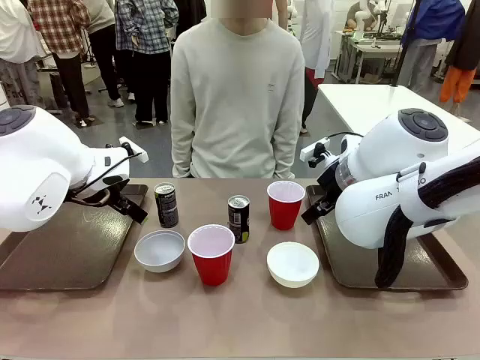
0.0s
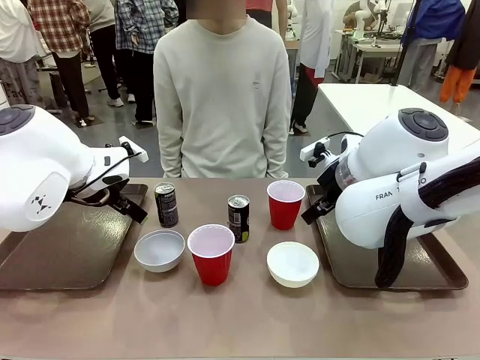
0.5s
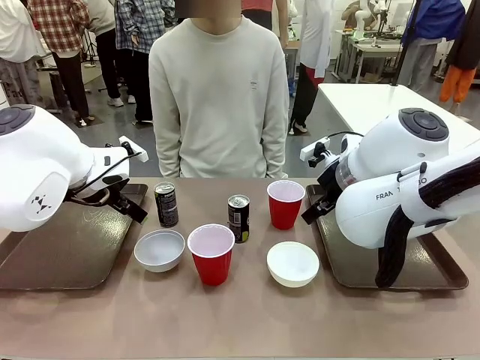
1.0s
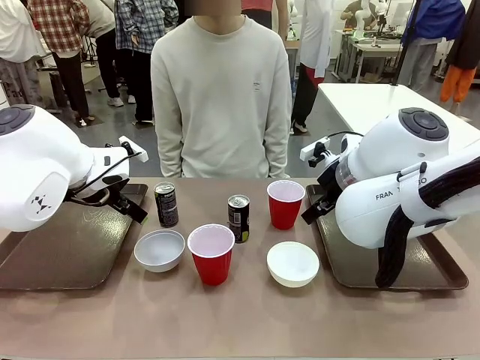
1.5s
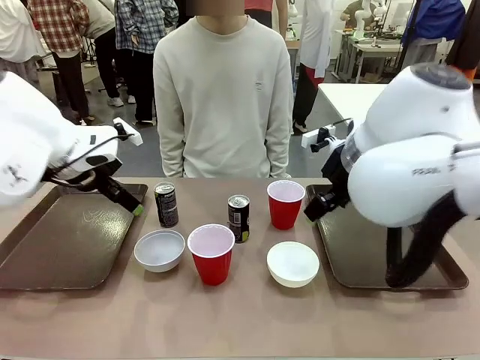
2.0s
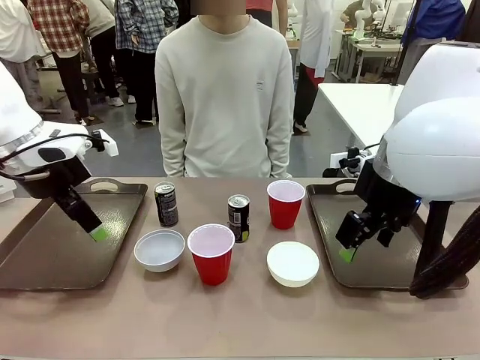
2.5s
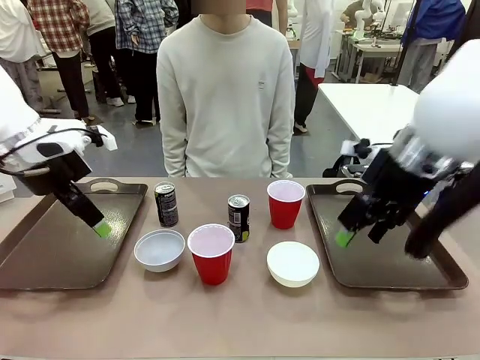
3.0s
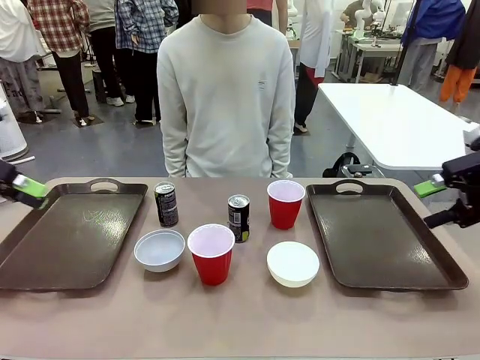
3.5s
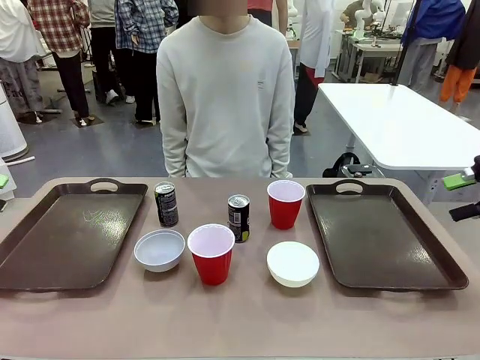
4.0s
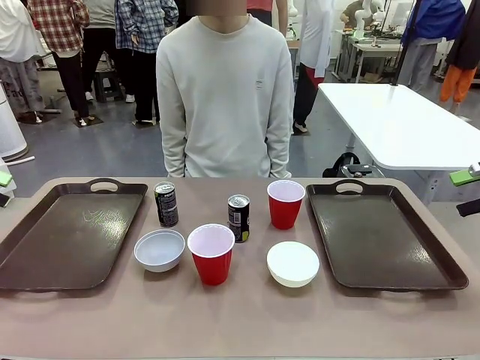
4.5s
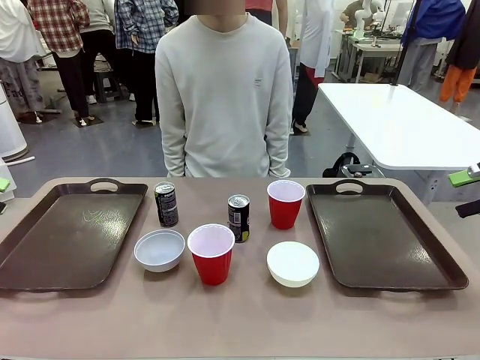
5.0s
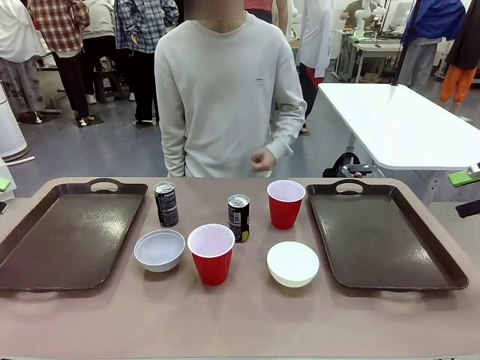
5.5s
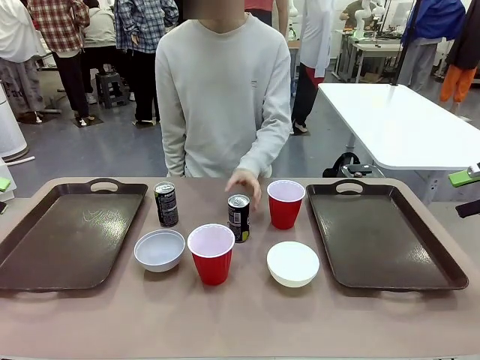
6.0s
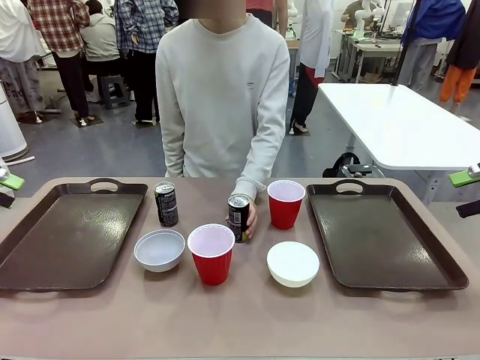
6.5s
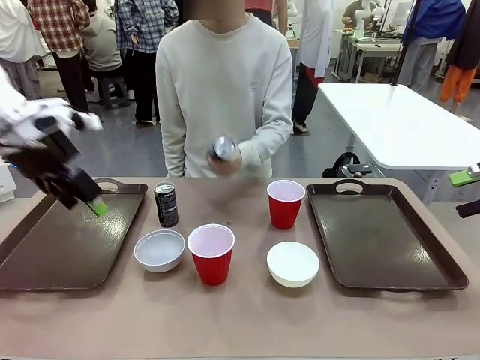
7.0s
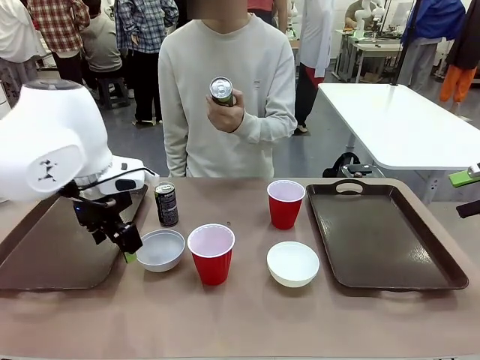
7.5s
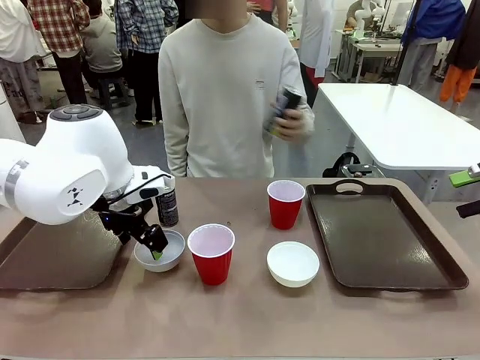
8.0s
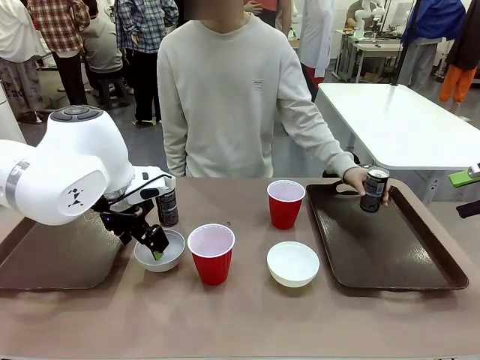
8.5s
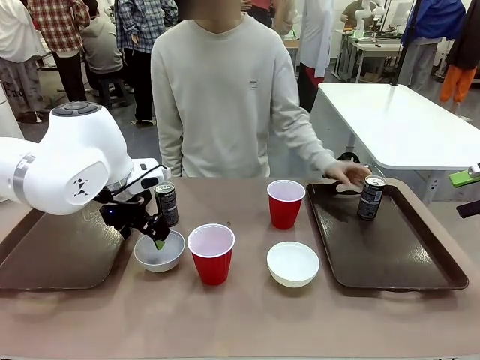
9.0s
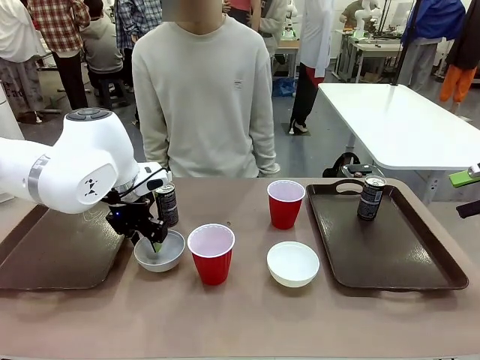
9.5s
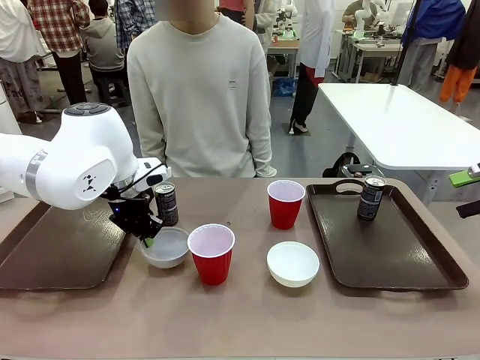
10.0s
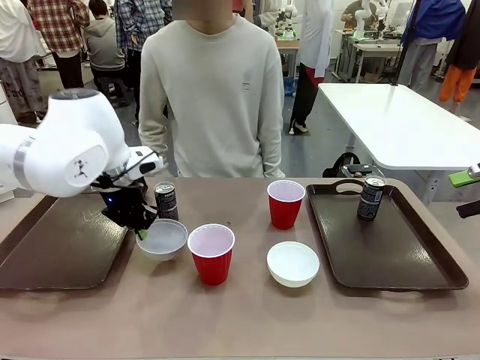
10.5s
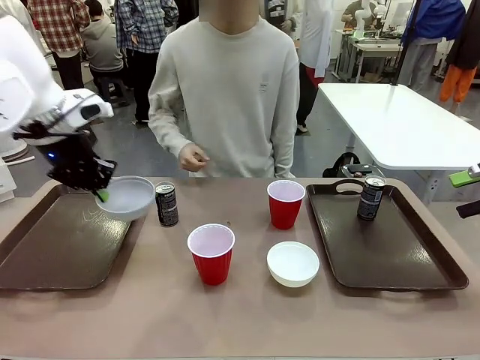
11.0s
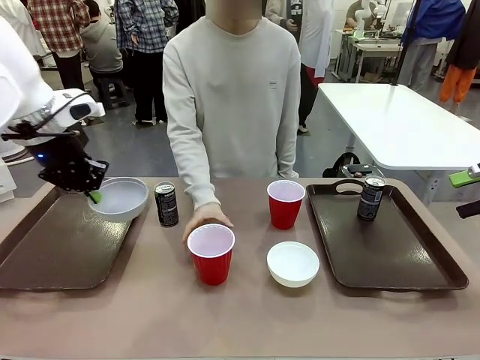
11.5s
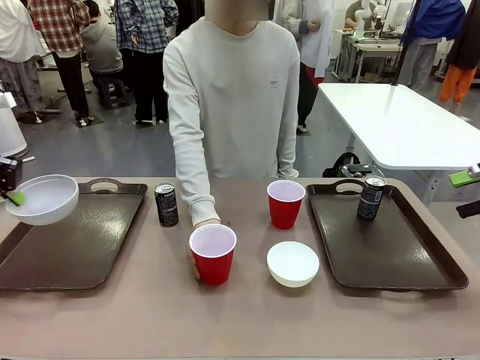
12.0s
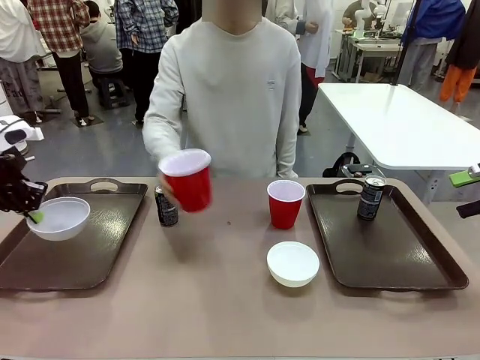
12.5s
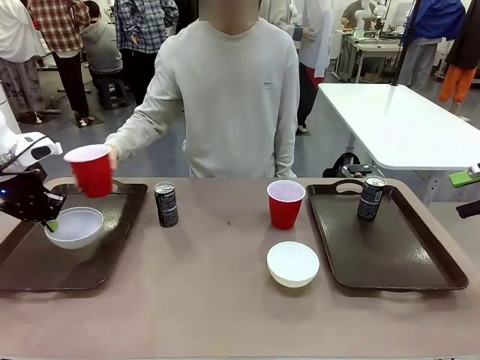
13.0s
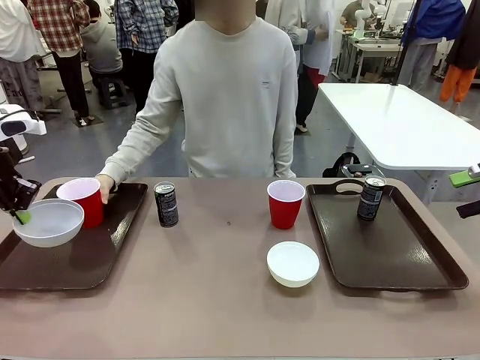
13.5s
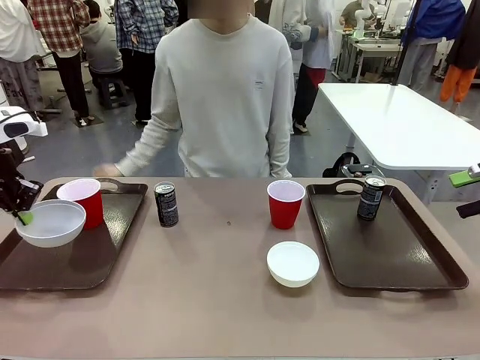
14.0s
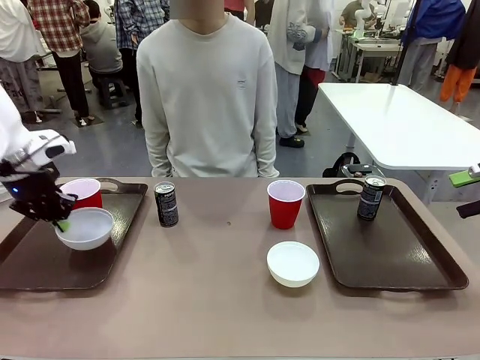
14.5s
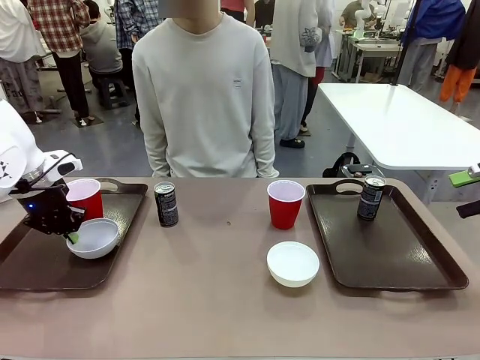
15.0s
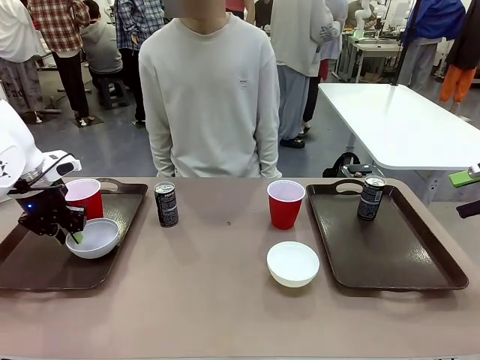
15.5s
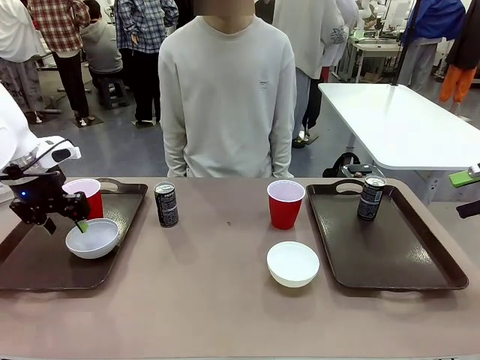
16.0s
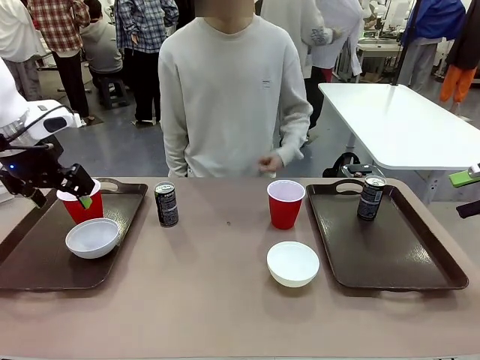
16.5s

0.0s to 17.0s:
Task: Prepare tableware on both trays.
Robot: Pick up a Picnic Bowl from the table and place it on a Handle tray.
Person: Pick up a can or cup and place it on the tray.

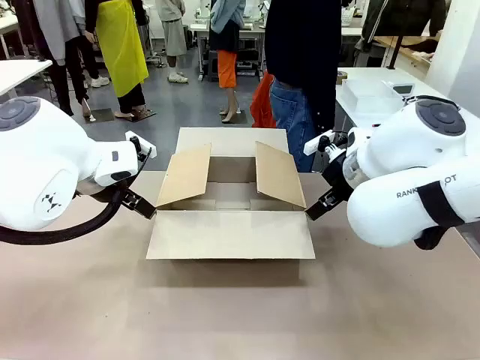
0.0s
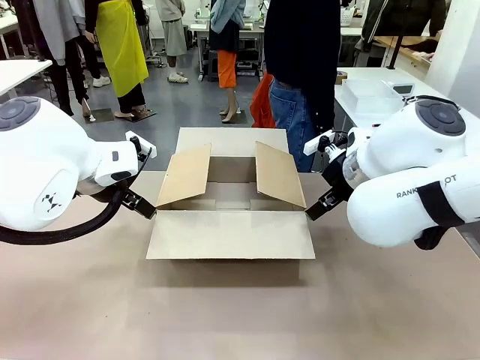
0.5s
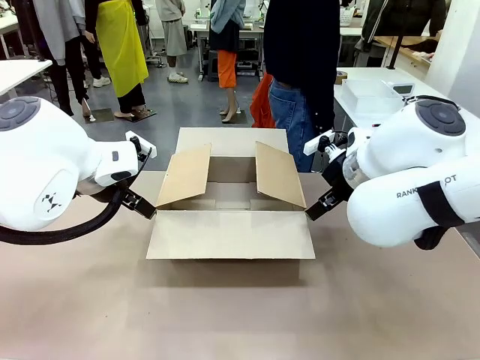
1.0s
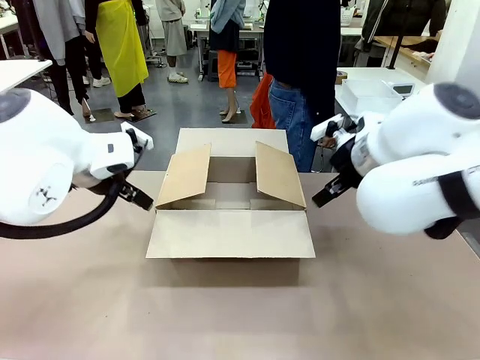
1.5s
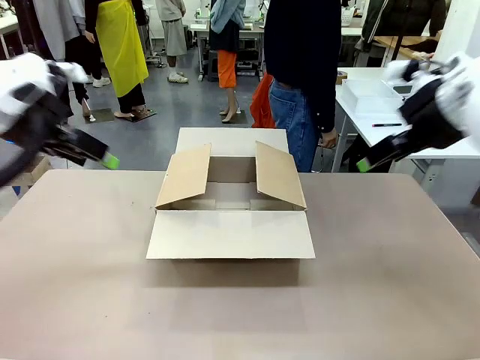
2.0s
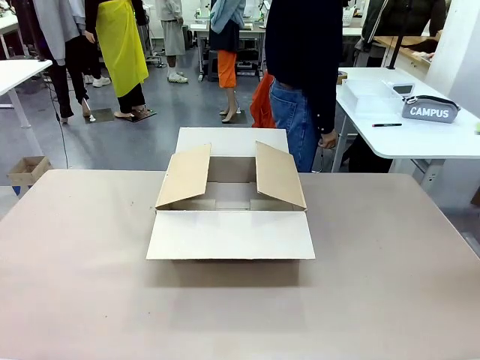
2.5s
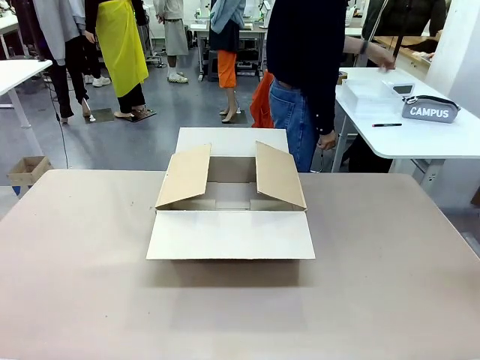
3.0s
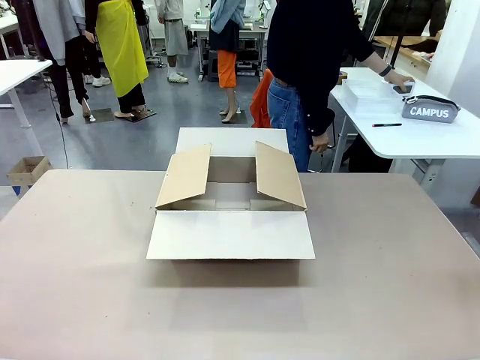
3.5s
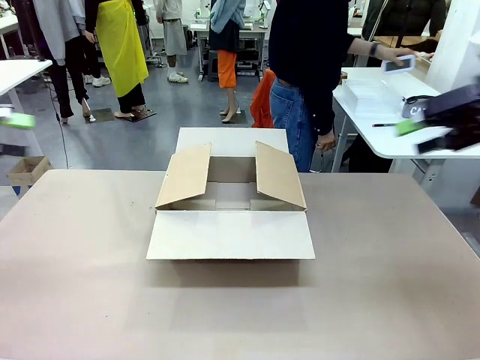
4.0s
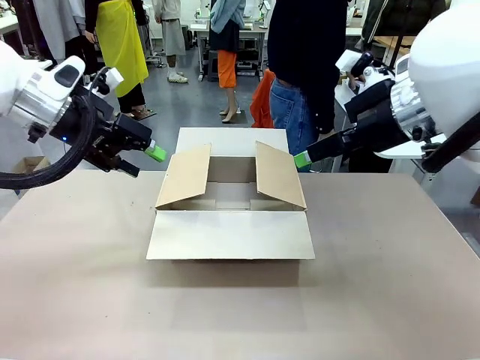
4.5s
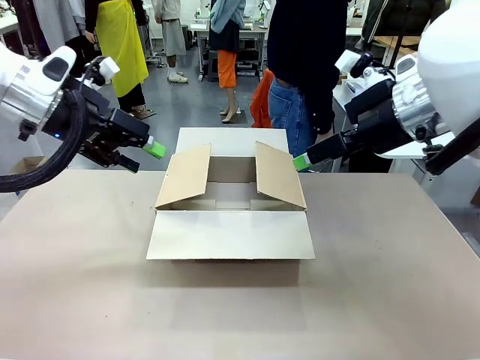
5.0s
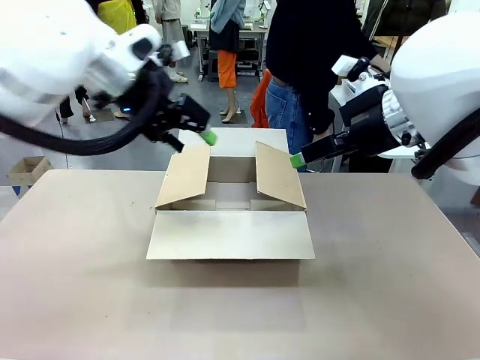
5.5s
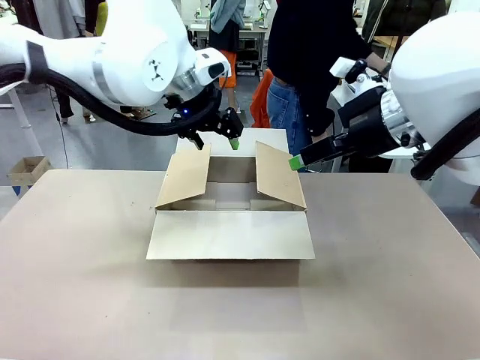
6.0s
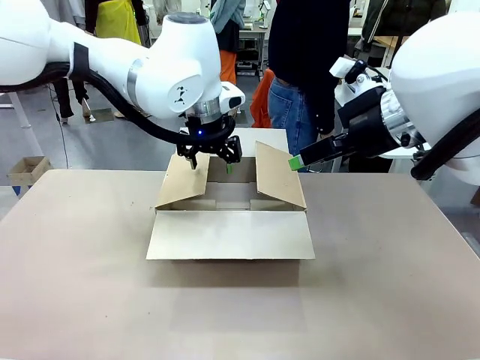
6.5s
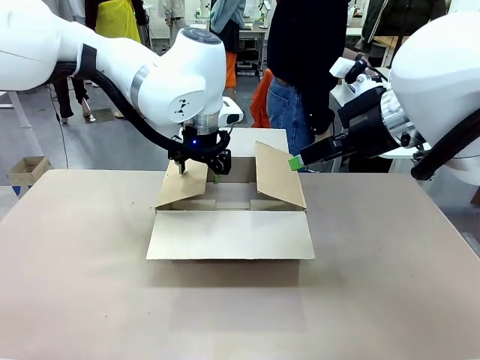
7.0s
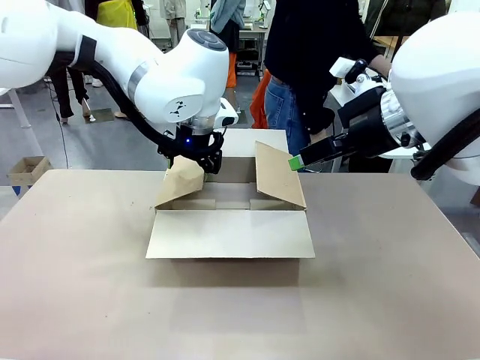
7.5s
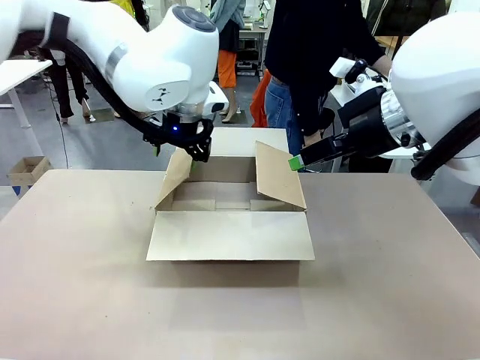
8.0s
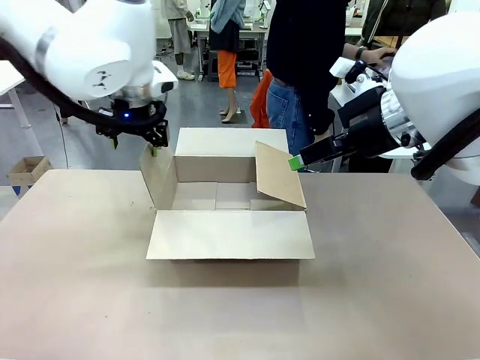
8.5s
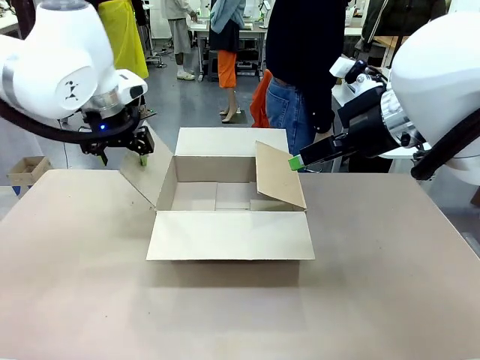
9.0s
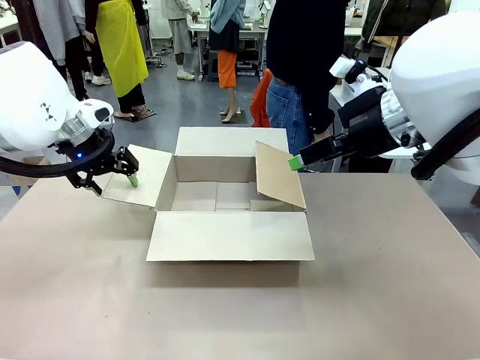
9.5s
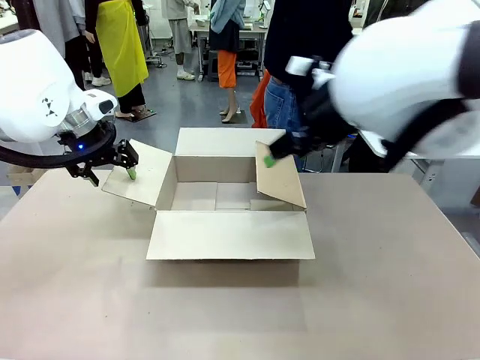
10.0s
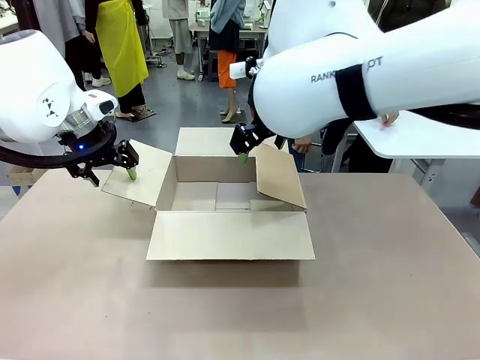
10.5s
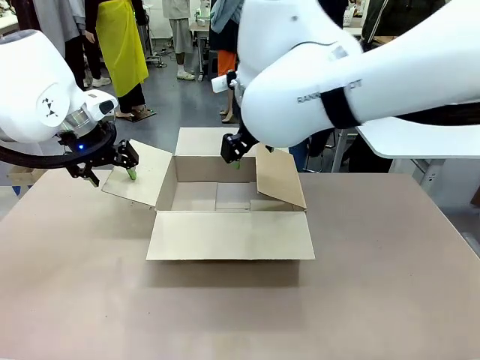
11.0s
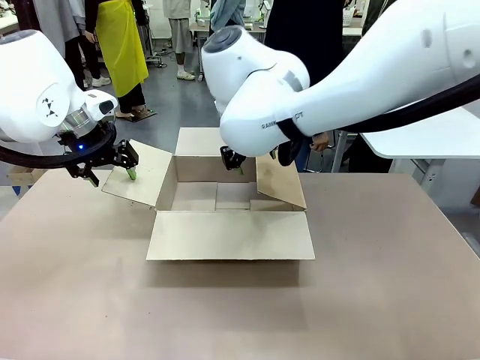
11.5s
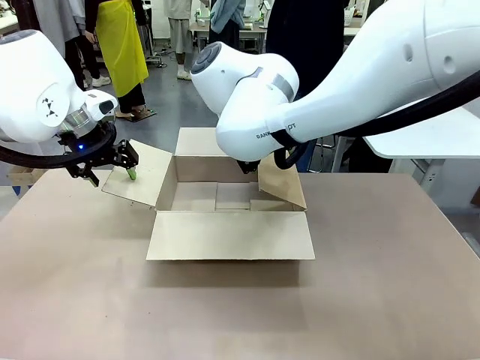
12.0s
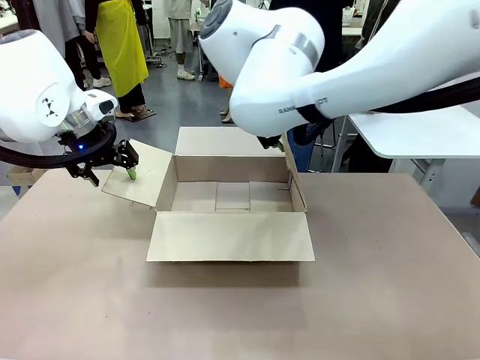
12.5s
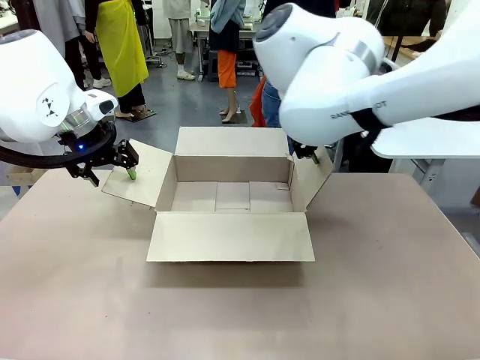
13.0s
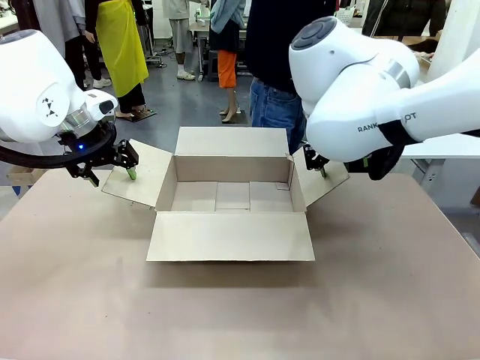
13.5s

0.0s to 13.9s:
Task: Pack the gift set into the box.
Robot: Place both hands on the side flaps of the Package Box and spread them outward.
Person: The human places all items except the paper tape into the organizing basket.
